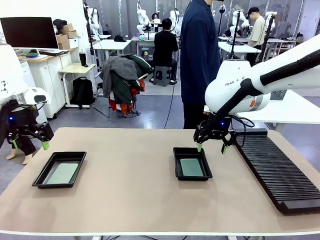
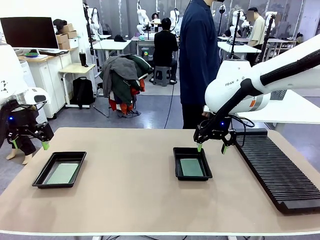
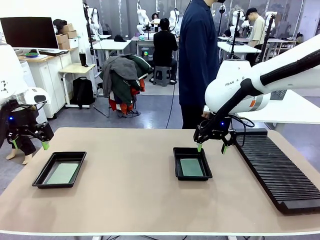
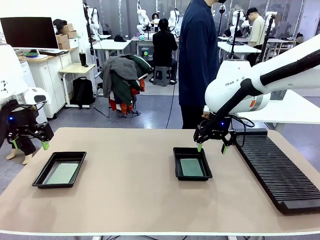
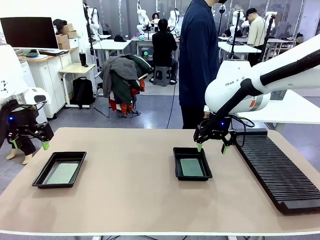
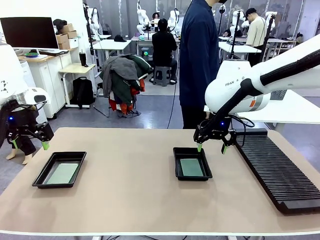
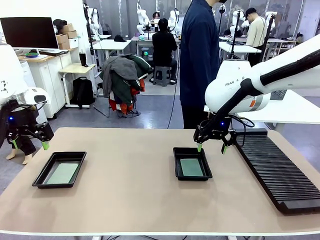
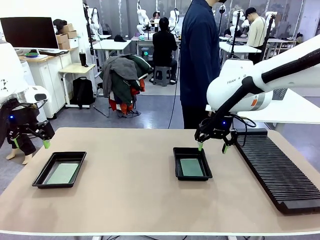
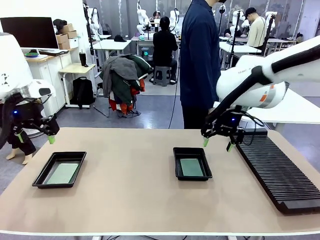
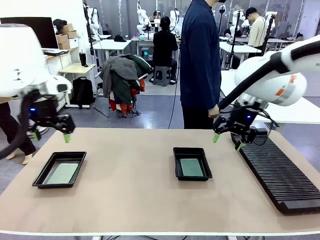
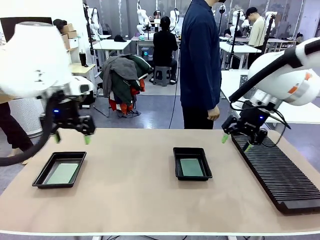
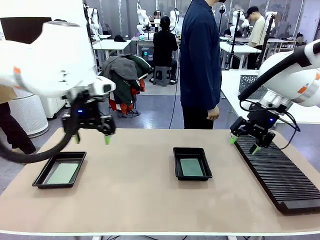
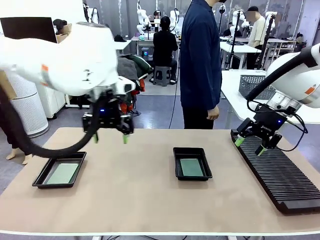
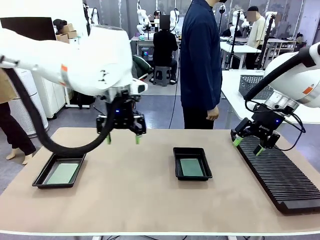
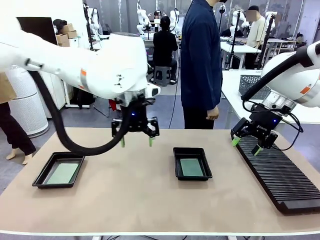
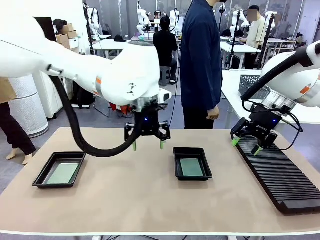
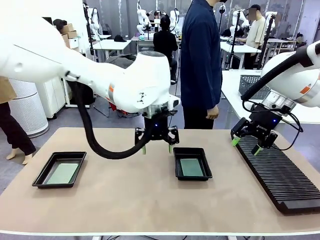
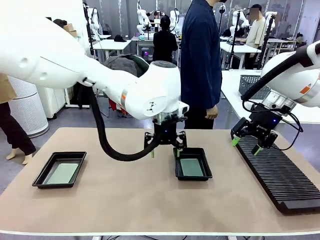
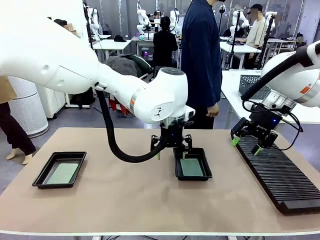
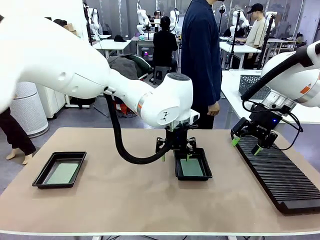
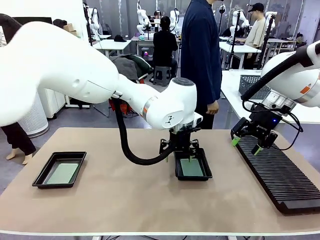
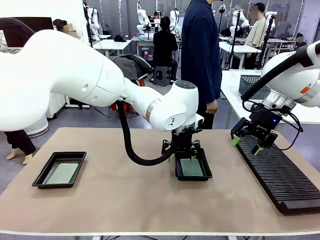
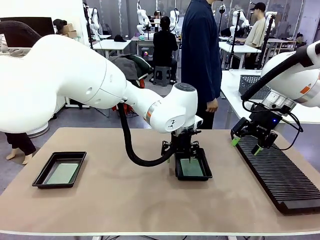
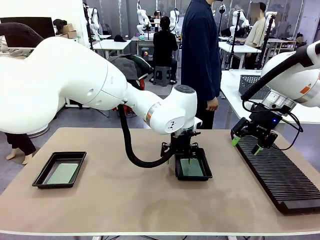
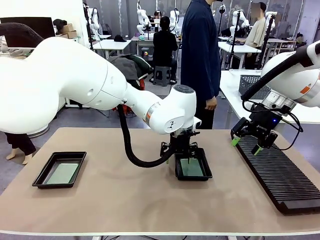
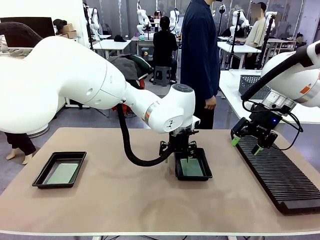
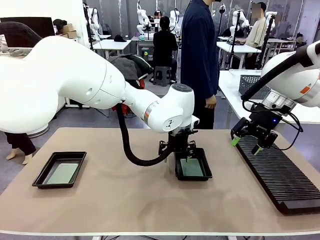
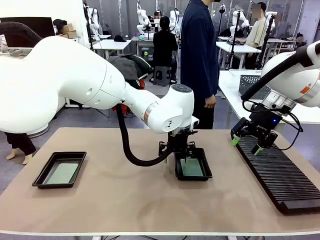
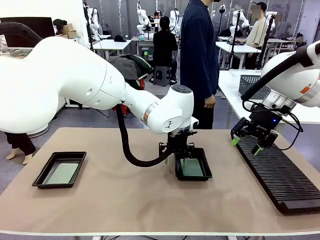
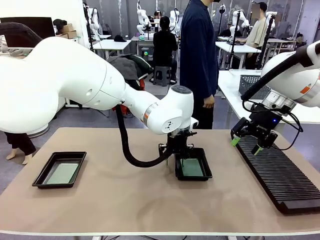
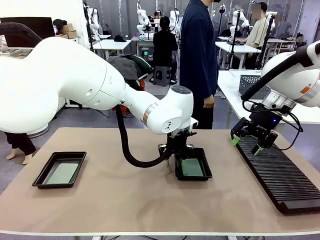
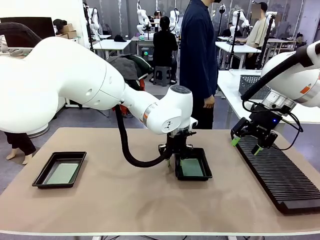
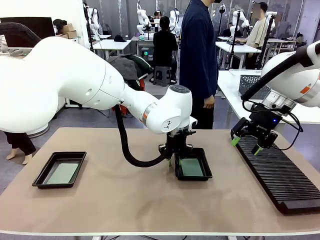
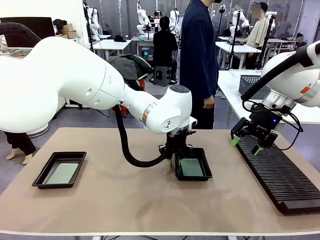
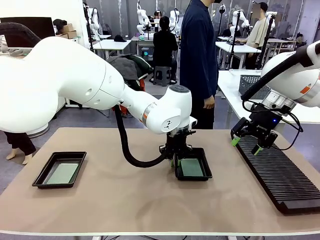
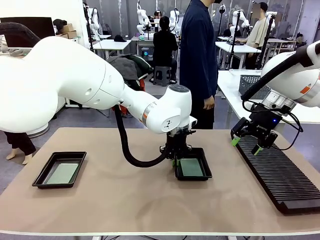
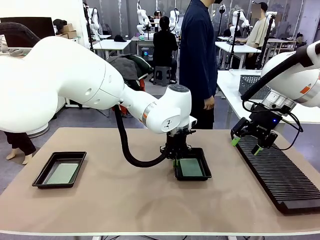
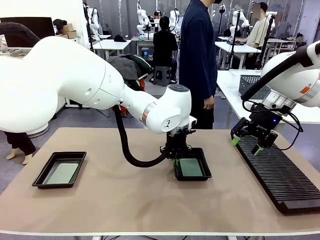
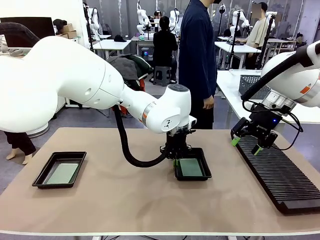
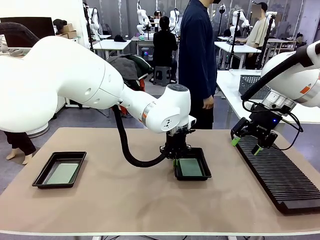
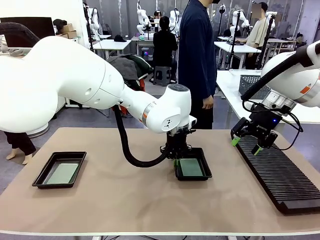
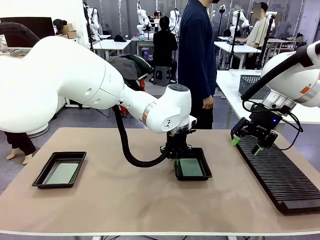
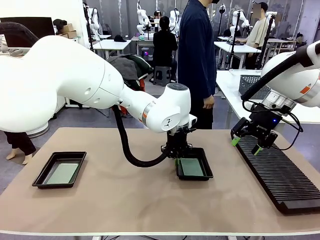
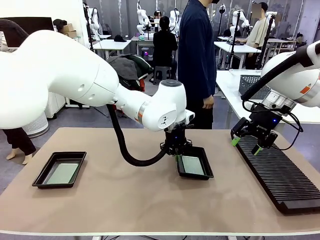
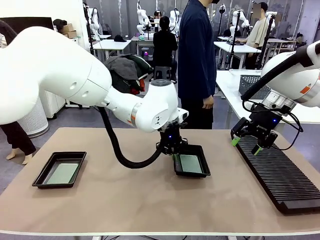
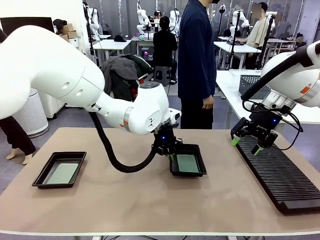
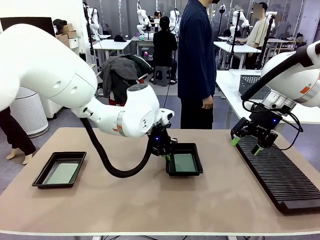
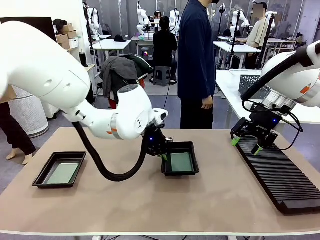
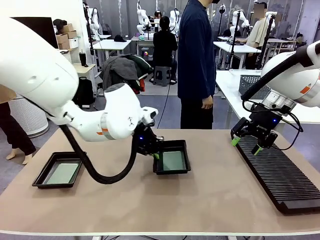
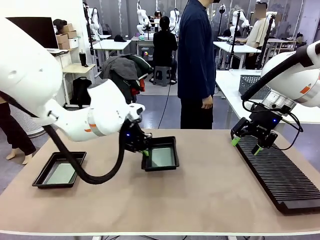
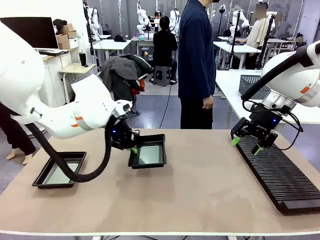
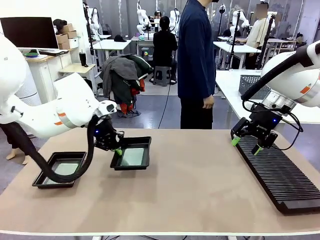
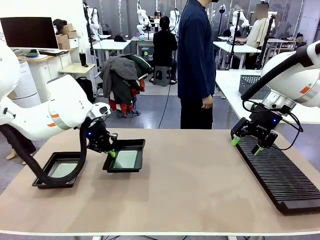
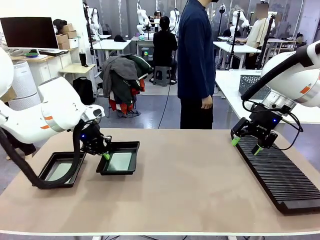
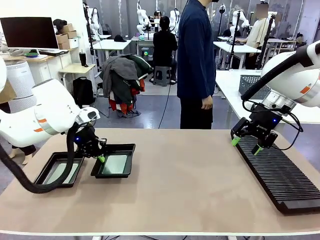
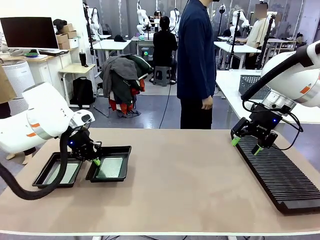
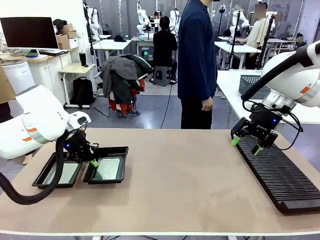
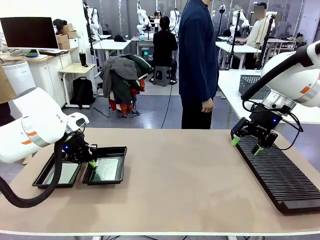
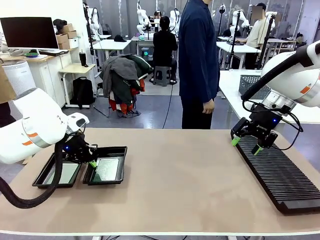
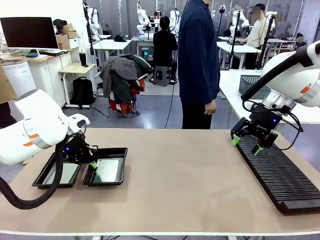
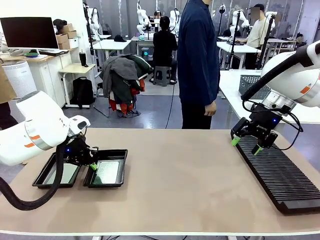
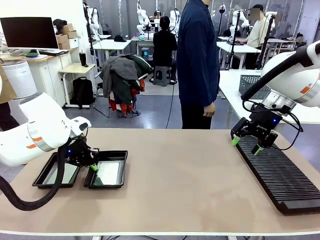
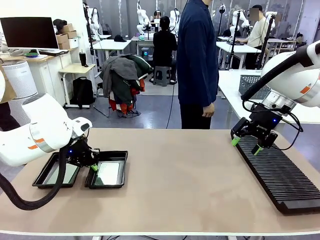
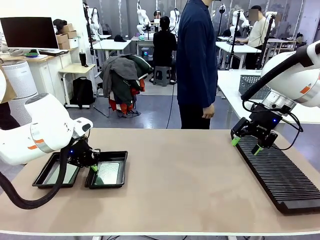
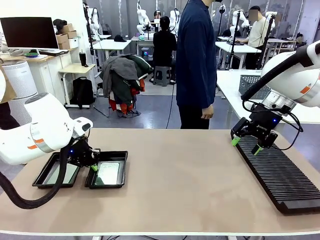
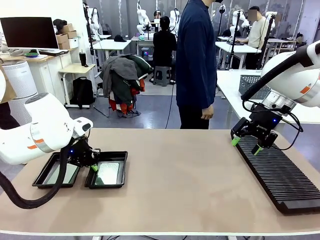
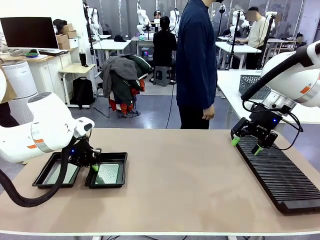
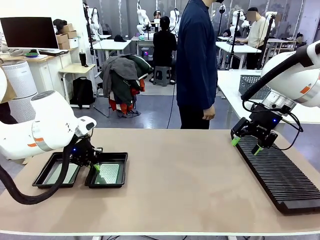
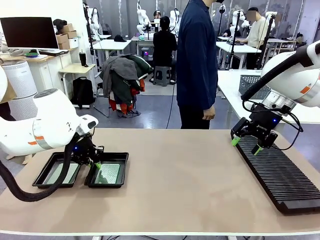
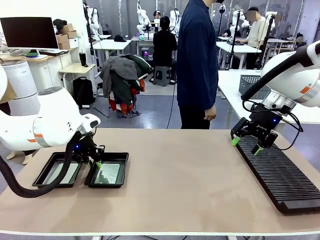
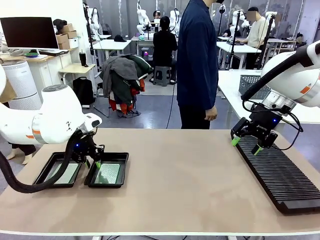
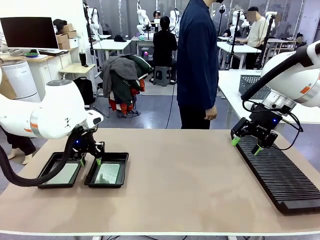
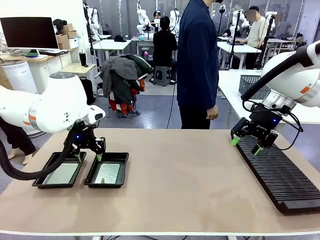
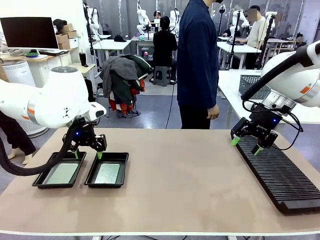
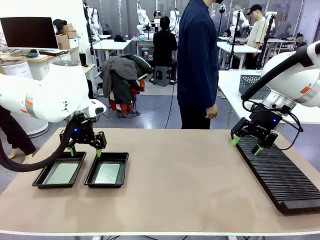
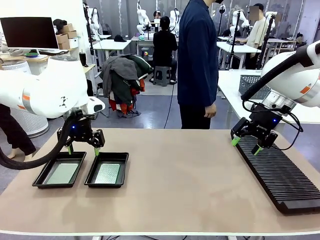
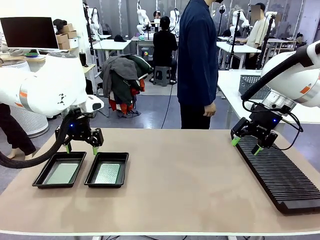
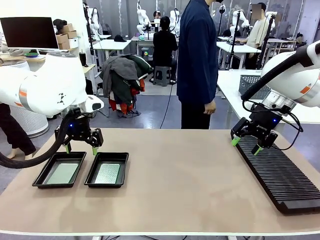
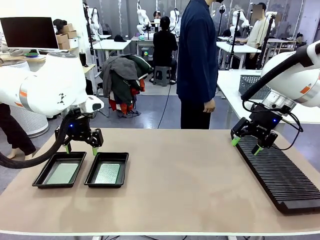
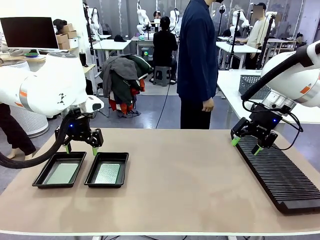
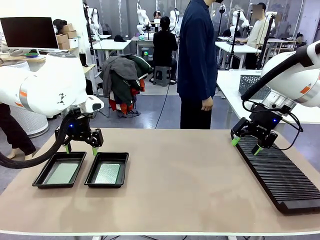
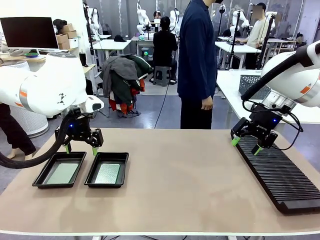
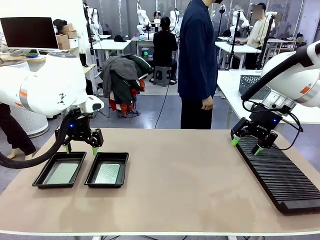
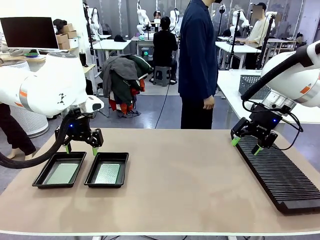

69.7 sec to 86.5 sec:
Task: Inspect and transfer BCBs to ESD trays.
Robot: Pick up the ESD tray and place it on the left side of the table.
